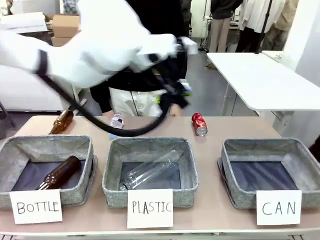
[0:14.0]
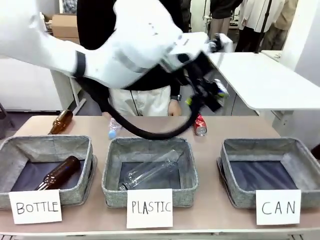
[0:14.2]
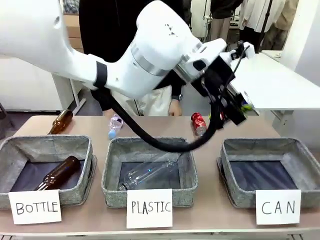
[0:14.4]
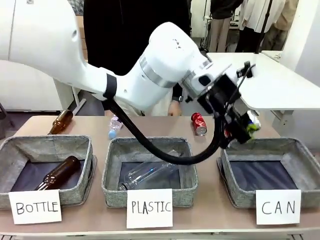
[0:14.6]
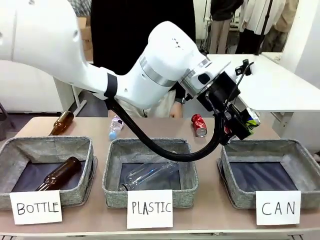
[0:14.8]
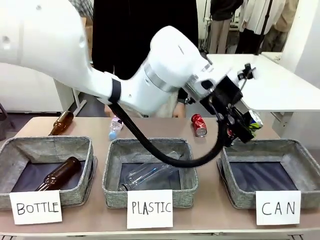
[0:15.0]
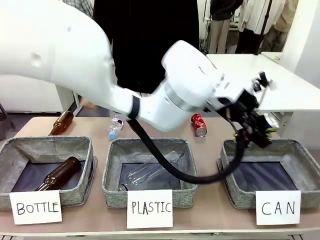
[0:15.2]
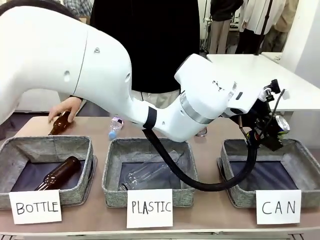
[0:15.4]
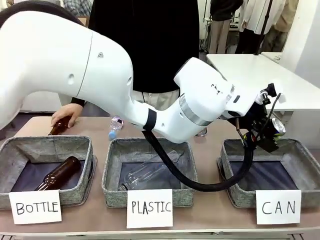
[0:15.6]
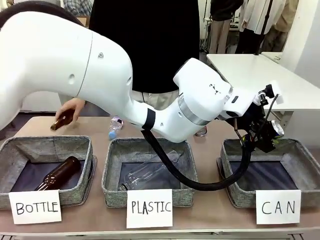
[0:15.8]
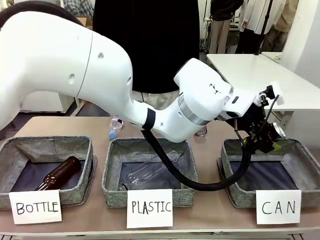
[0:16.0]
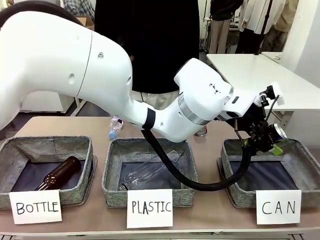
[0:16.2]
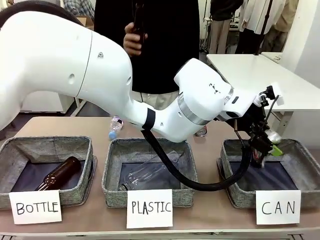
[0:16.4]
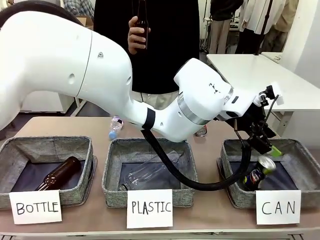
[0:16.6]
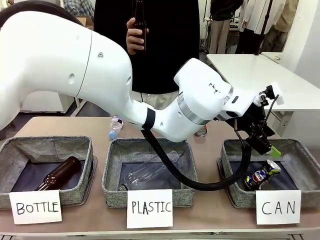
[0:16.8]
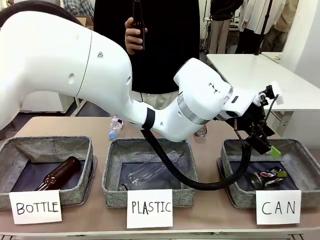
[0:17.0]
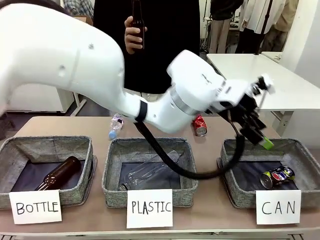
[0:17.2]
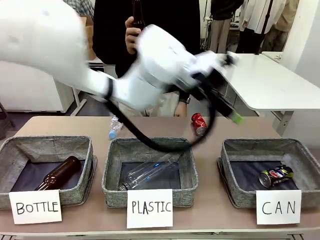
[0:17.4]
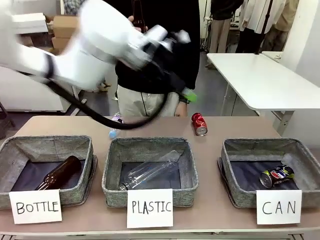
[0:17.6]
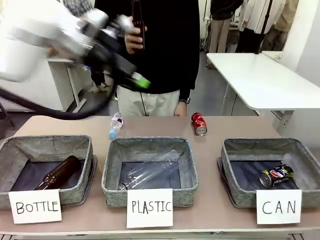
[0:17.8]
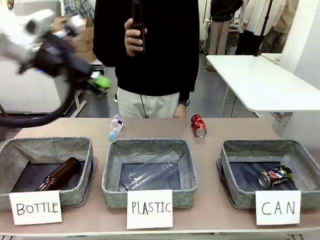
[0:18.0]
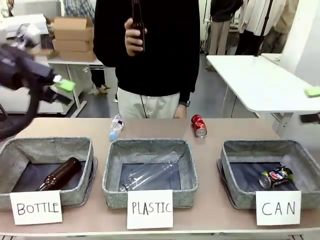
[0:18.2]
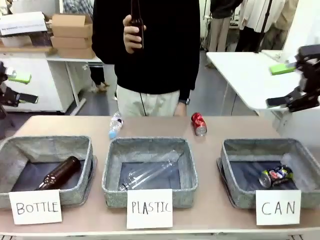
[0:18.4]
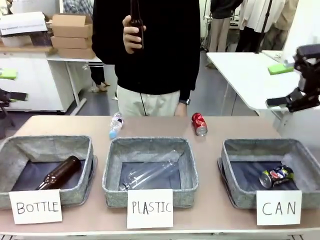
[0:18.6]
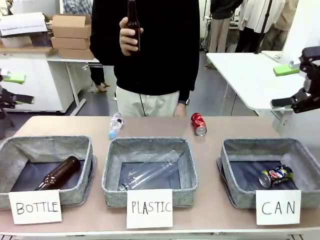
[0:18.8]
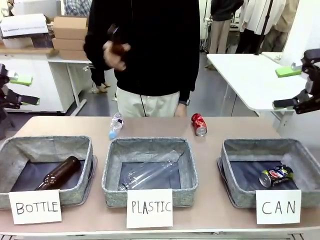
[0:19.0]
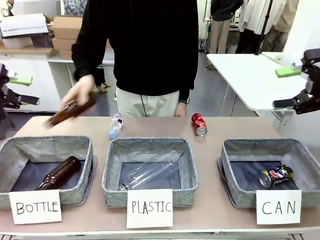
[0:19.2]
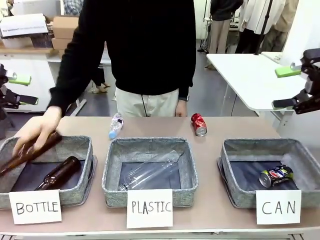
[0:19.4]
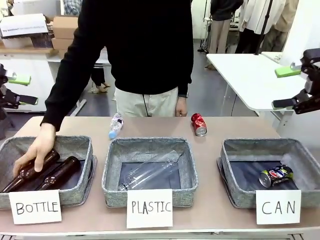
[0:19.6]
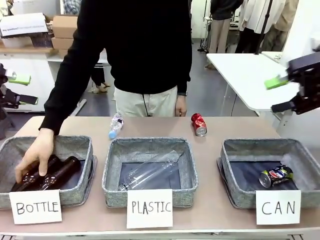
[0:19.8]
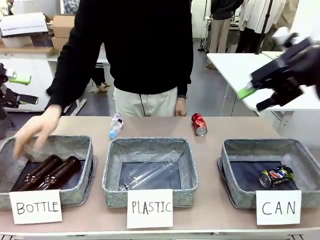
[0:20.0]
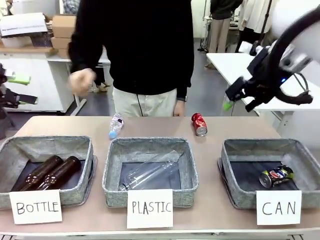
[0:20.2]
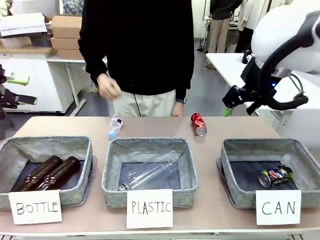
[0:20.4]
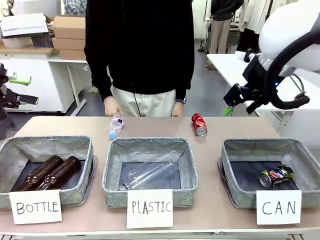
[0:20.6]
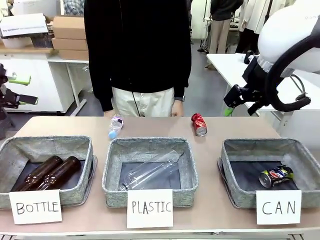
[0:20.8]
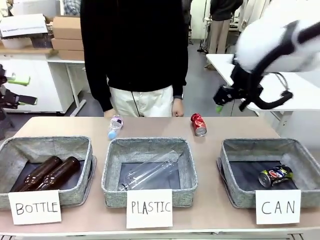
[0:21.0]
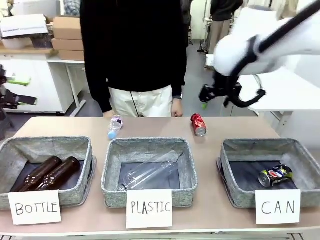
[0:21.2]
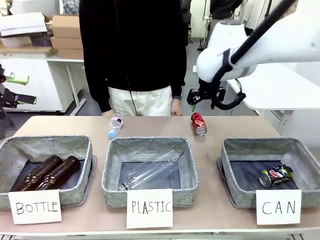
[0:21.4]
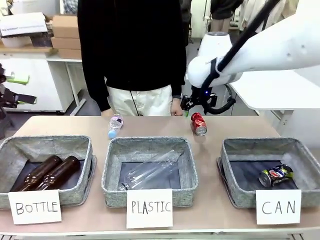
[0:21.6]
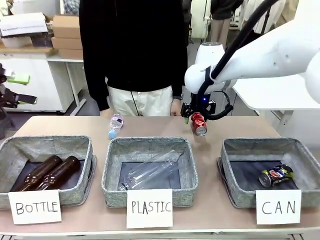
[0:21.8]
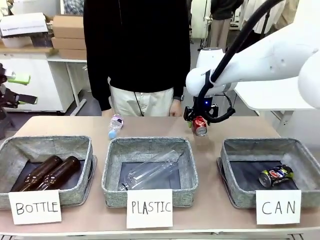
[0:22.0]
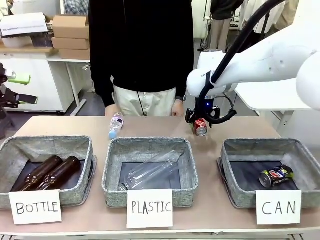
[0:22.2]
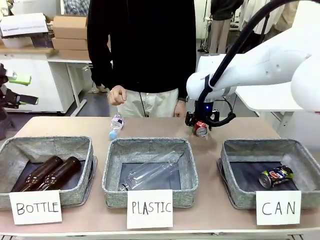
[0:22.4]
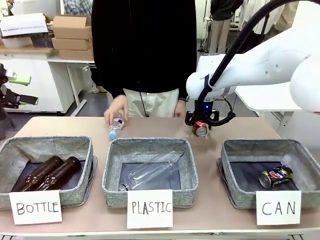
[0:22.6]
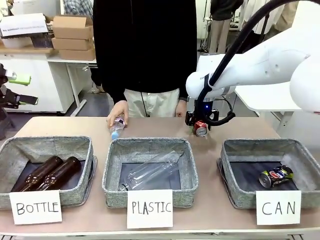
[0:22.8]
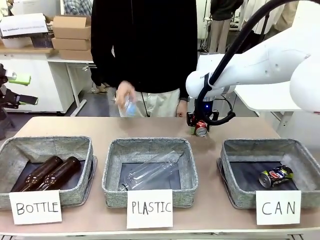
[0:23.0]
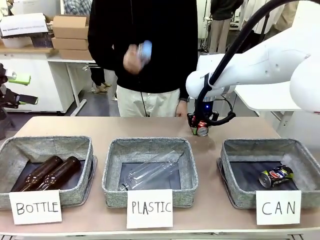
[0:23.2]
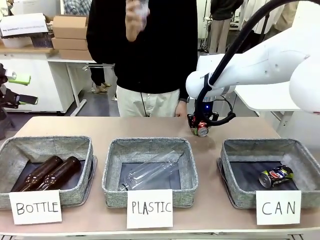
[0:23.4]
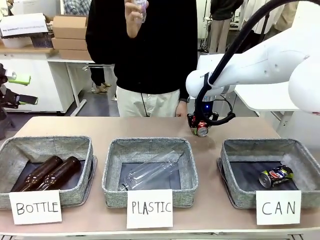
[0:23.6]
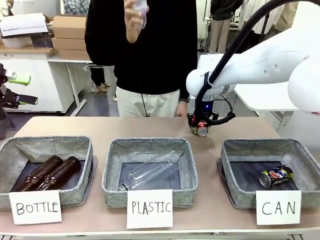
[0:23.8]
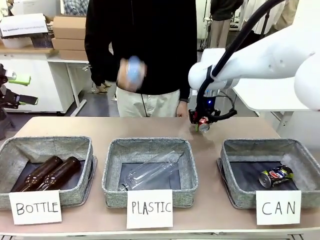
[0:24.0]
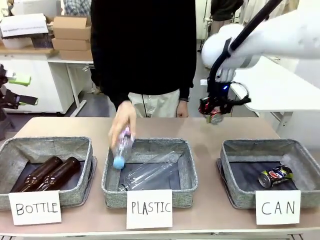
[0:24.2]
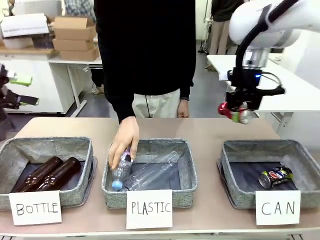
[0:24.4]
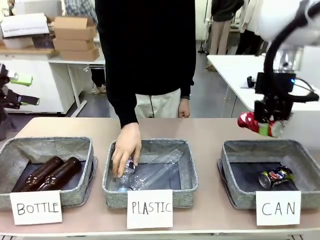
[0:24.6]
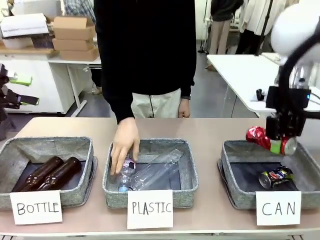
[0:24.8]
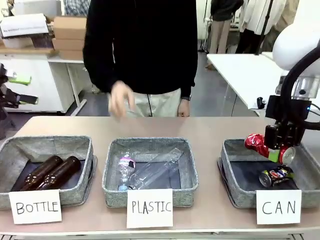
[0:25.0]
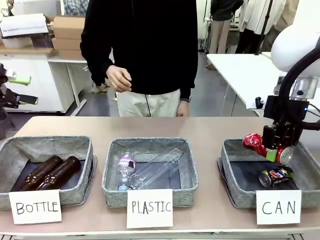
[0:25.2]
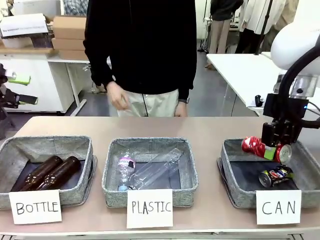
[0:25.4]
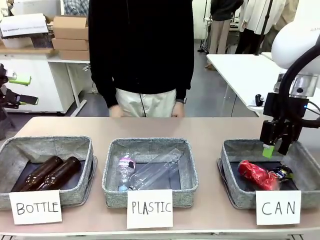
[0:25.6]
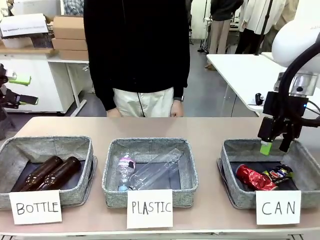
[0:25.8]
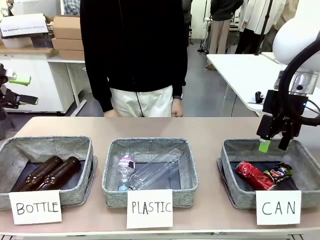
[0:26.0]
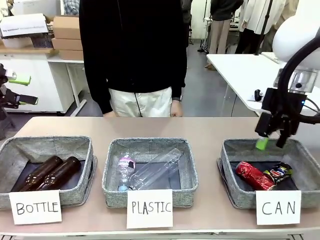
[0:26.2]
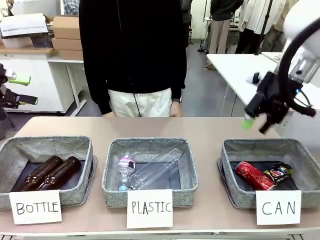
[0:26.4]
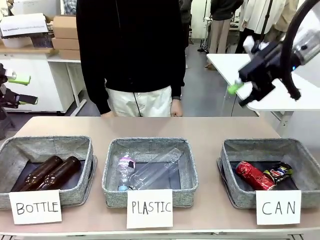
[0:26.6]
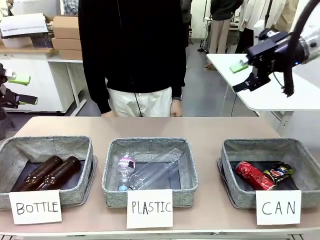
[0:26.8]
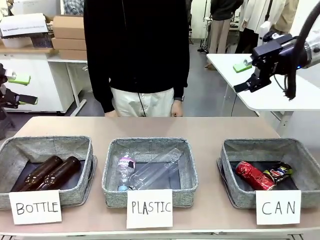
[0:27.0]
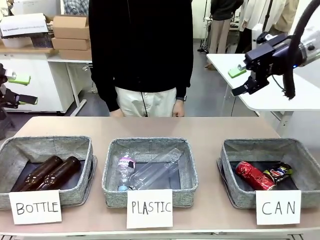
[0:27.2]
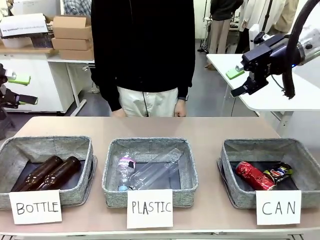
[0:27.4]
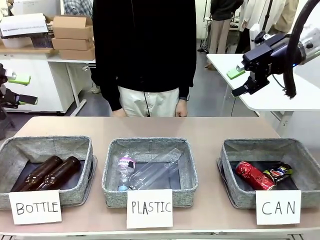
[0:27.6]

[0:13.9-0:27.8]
Task: Sort the can waste into the basket.
Robot: Pick up the can waste from the table and place it in the right Fabric basket.
